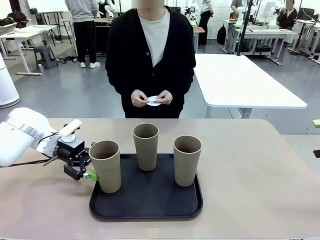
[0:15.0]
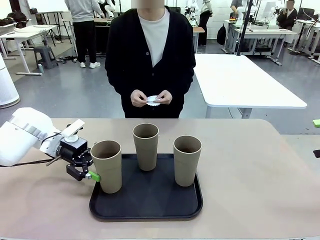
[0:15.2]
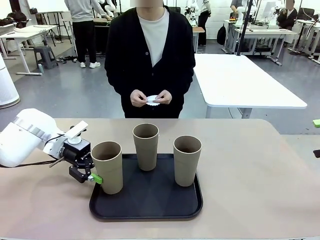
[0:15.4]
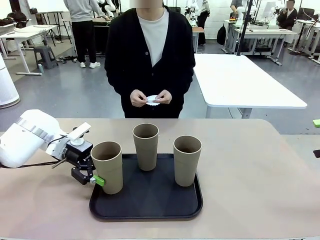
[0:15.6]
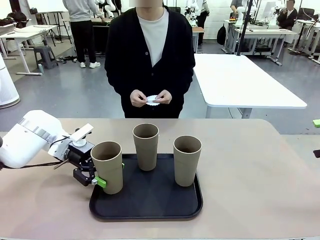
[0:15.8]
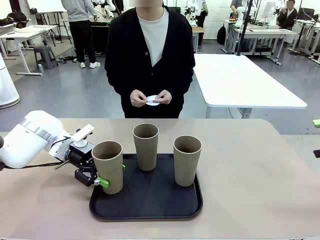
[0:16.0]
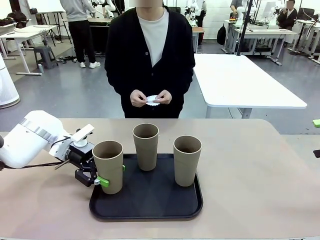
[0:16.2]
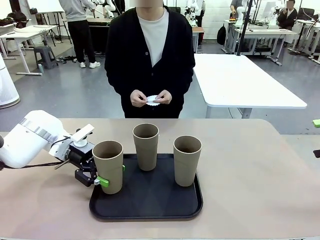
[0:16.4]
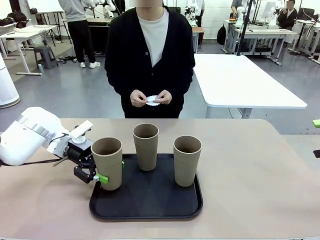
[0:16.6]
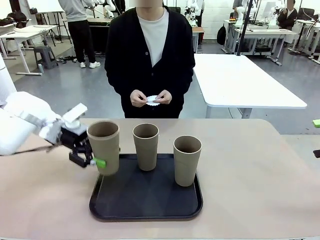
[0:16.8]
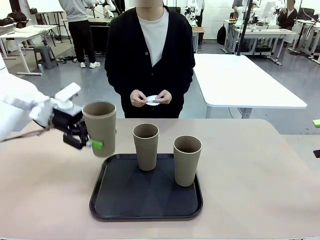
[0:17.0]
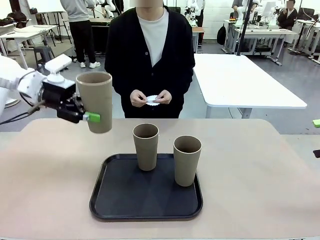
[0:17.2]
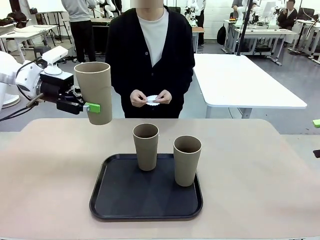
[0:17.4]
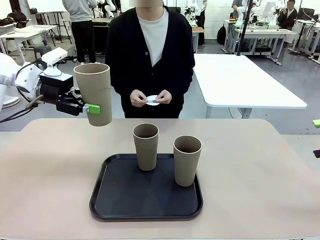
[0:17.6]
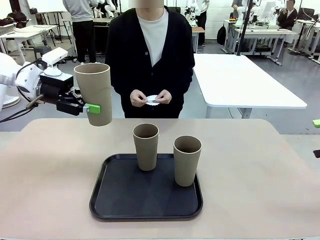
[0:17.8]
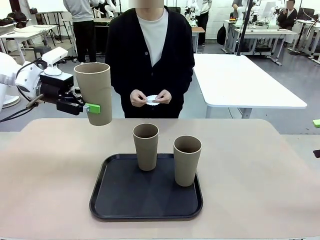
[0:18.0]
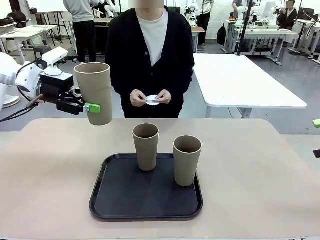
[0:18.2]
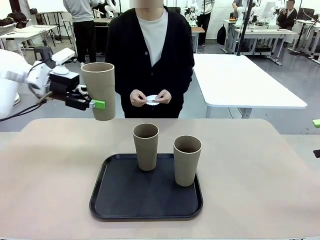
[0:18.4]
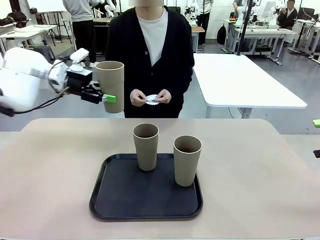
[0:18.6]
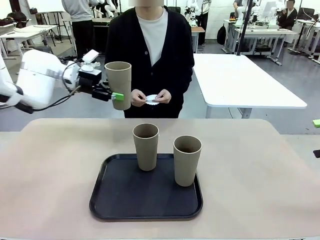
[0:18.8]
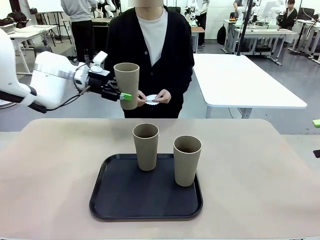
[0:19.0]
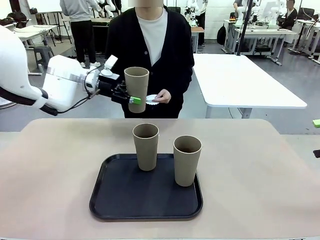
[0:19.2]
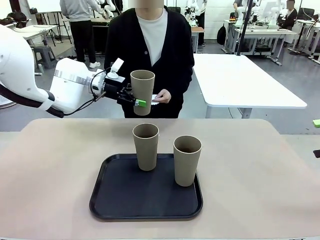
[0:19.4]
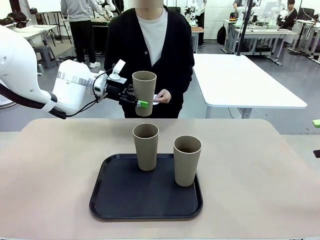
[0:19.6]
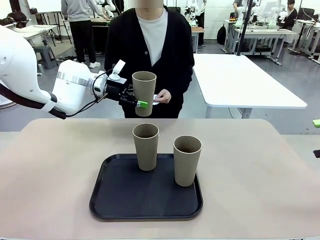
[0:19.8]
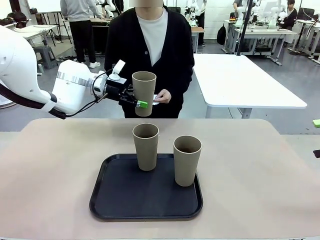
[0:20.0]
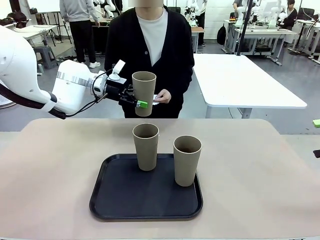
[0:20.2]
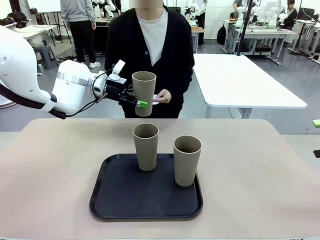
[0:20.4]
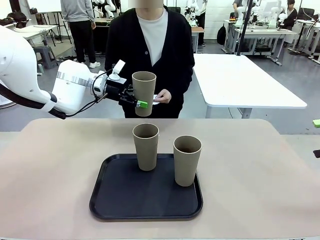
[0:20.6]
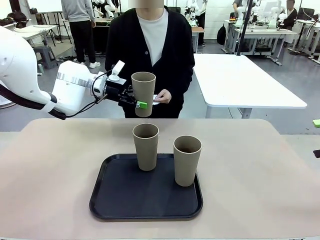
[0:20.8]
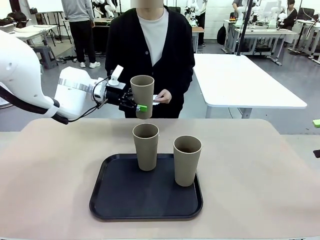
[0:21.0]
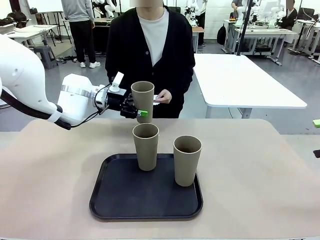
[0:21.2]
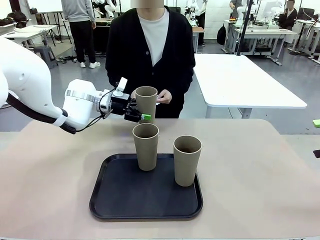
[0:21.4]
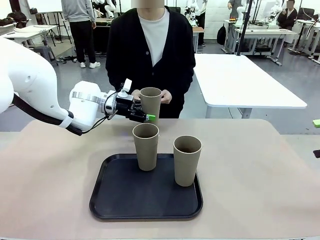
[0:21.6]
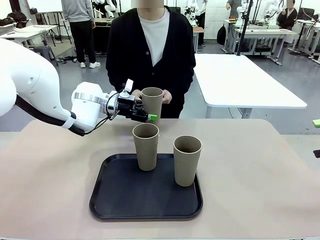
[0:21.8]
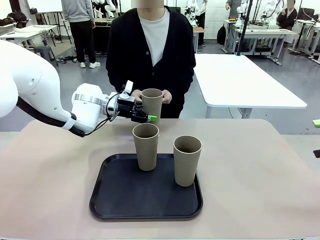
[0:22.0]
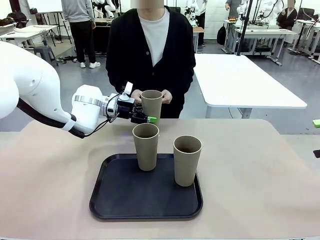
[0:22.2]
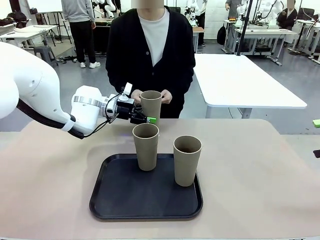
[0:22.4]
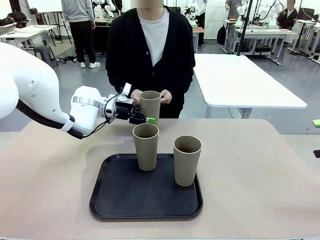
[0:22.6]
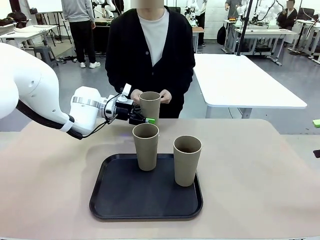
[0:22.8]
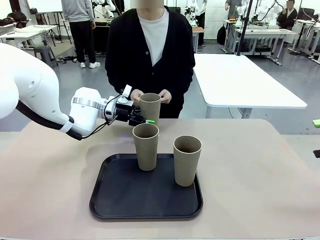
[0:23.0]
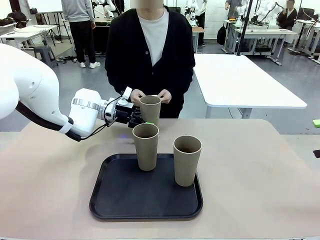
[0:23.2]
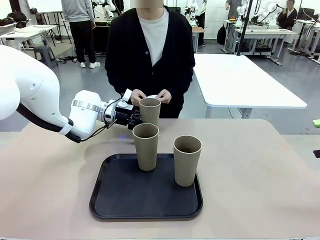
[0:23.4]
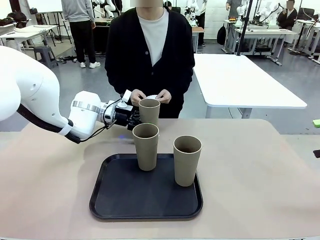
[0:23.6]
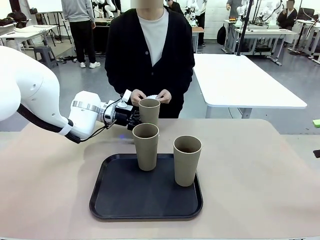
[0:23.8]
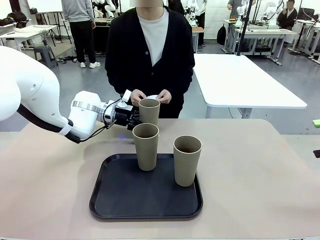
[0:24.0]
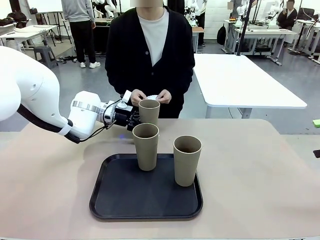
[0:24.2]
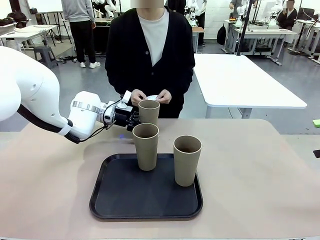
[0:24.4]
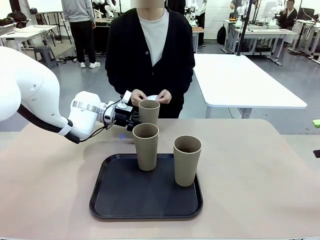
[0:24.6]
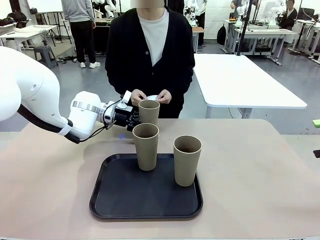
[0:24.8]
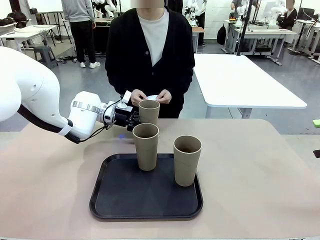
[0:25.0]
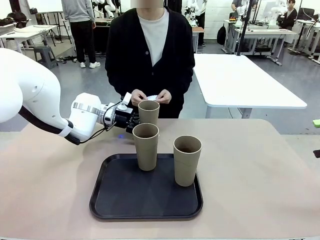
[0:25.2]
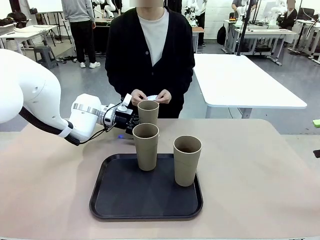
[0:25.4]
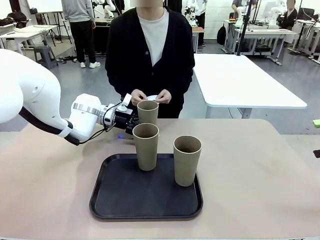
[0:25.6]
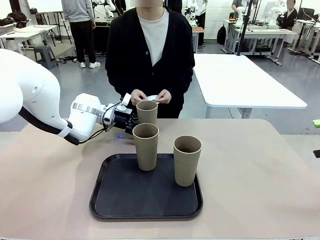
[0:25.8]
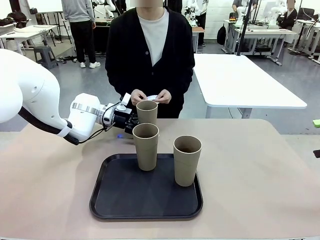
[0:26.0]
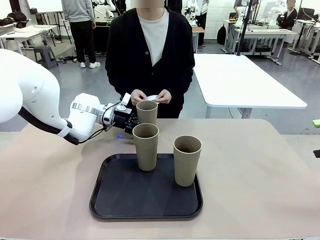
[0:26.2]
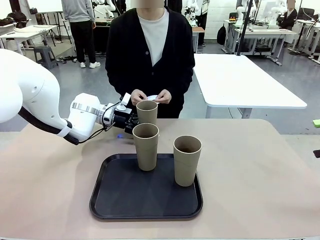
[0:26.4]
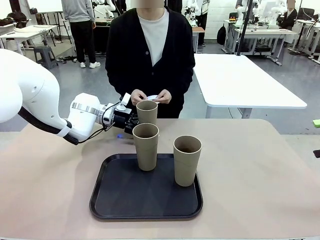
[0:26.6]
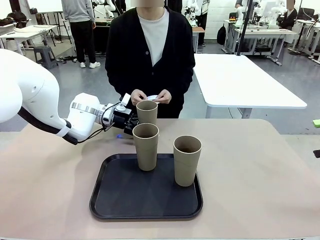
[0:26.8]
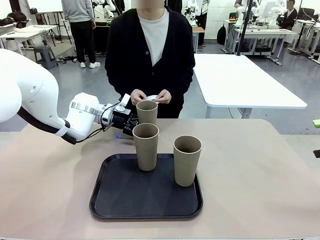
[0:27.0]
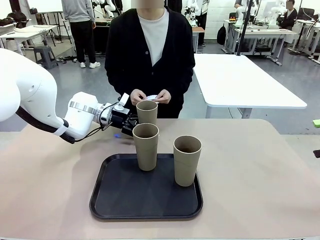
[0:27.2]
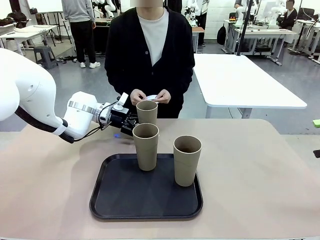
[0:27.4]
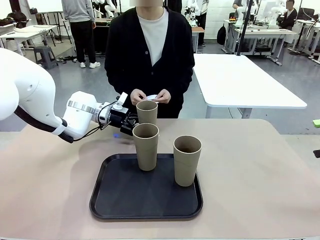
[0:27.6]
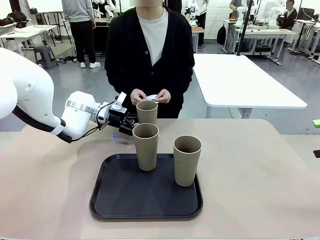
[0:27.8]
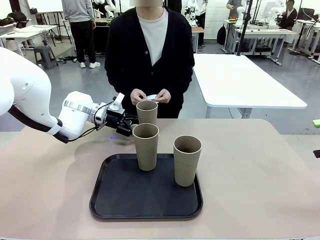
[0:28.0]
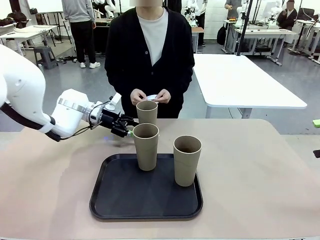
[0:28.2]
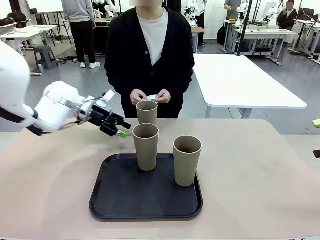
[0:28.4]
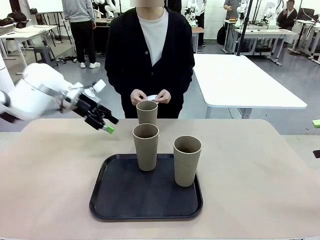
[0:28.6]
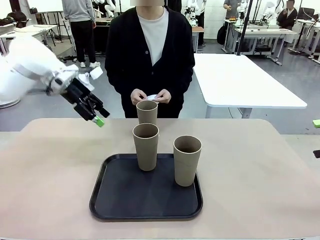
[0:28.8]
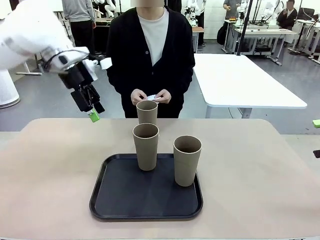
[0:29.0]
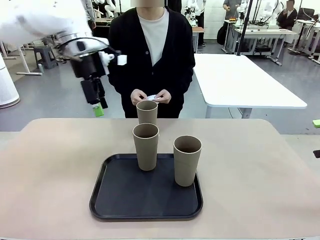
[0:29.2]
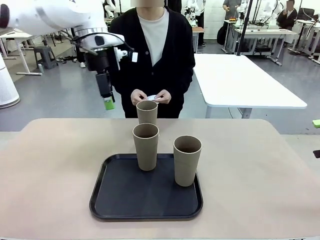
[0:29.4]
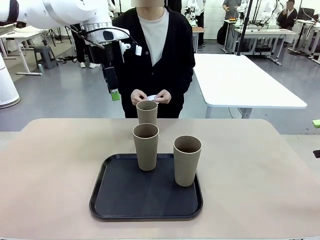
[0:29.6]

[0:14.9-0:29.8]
Task: Place coasters on the table and set cups on them.
Robot: Pick up one Reusable plastic cup and place it on a coaster set by the human.
Person: Place one coaster in one of the two areas excluding the previously selected area.
